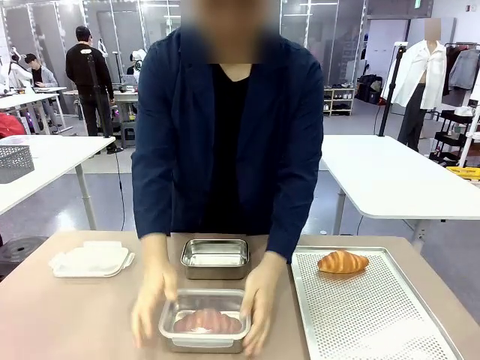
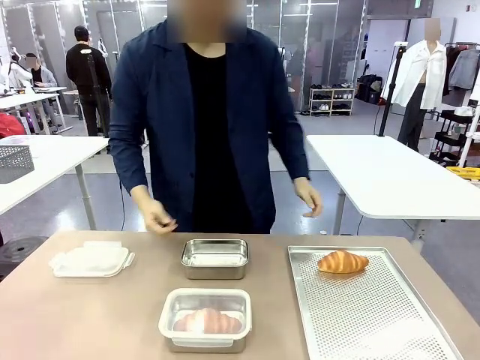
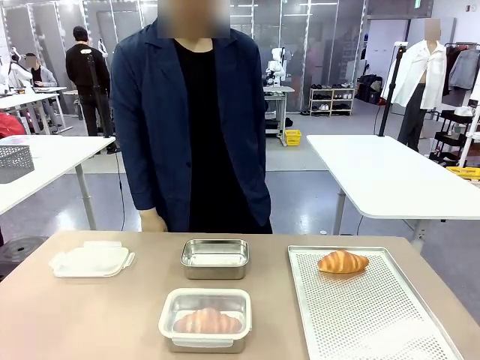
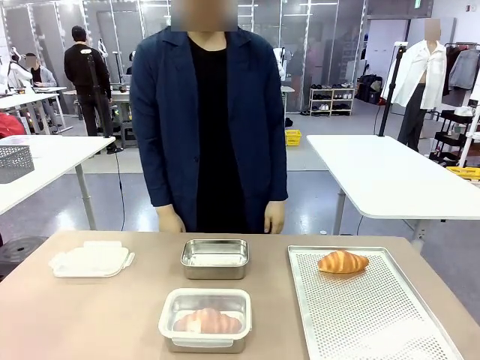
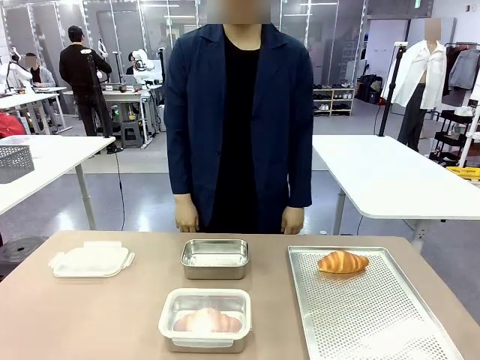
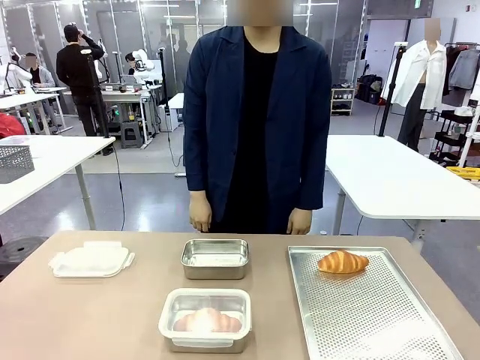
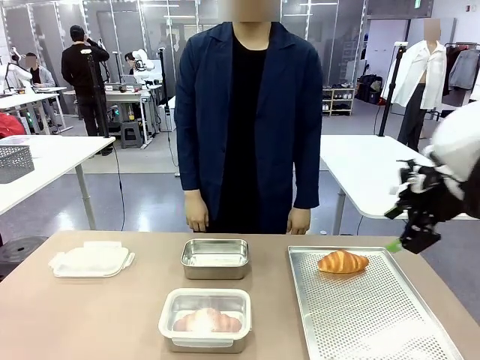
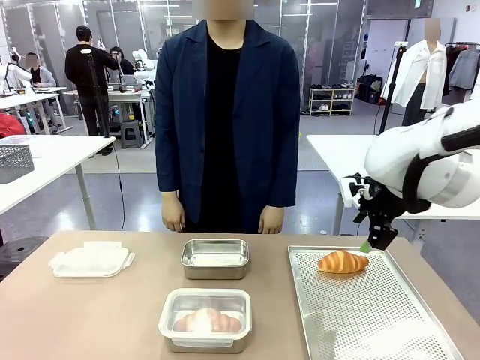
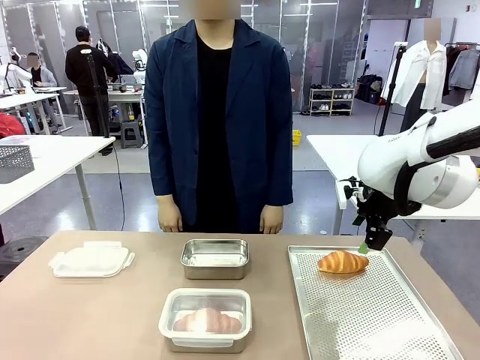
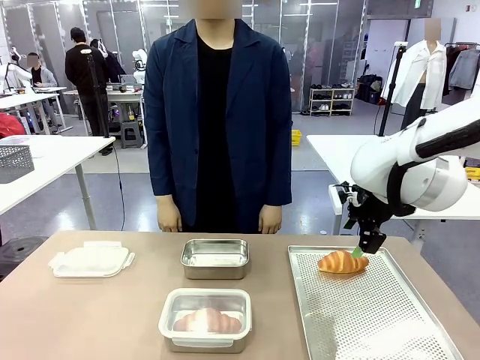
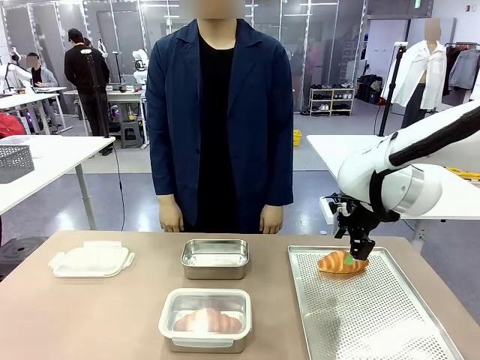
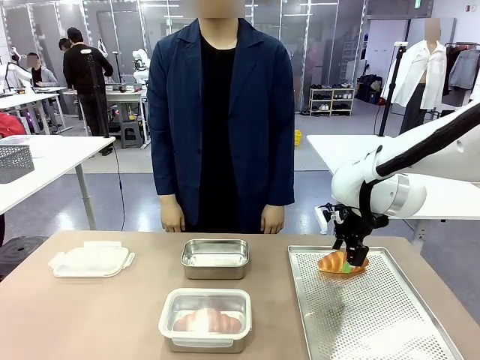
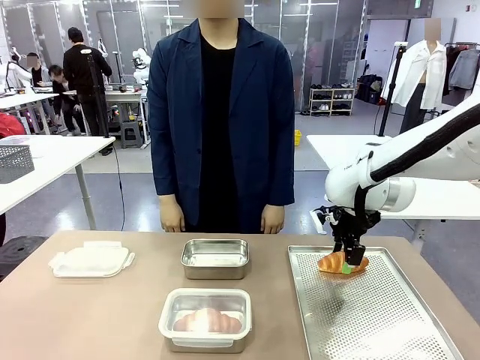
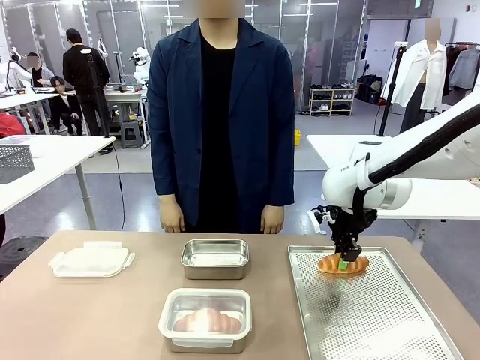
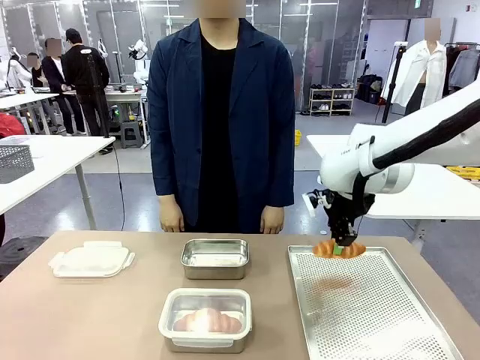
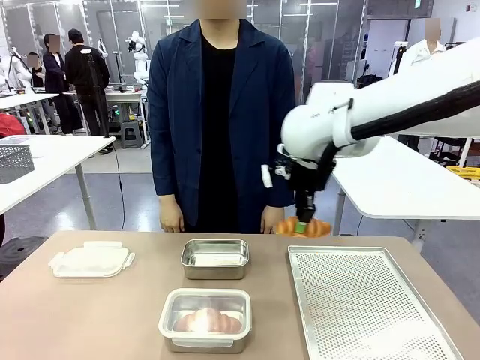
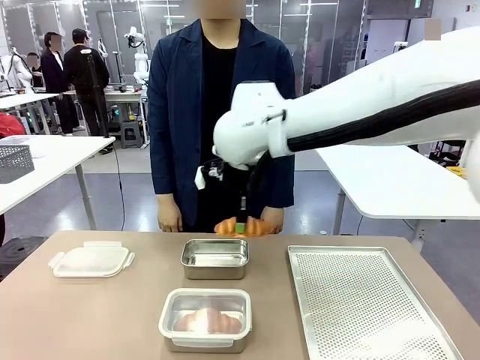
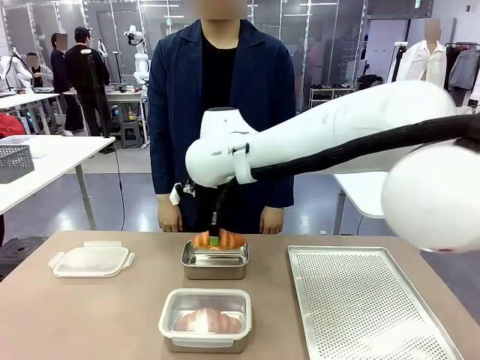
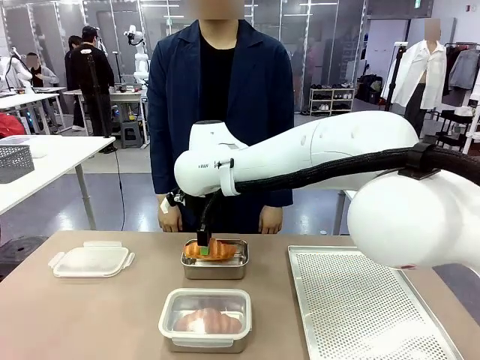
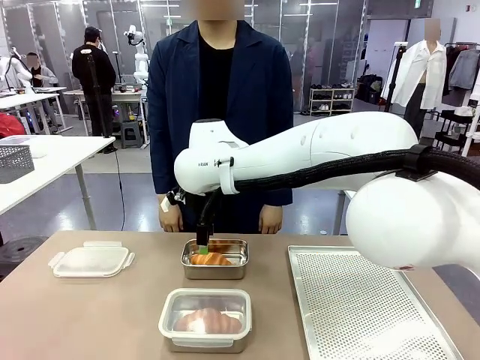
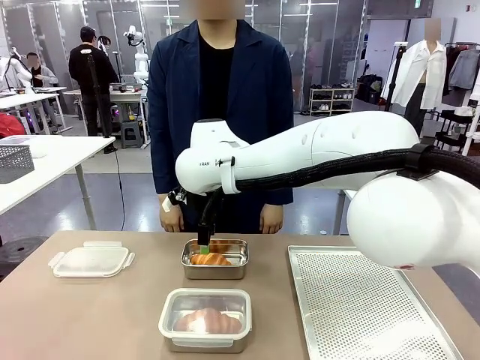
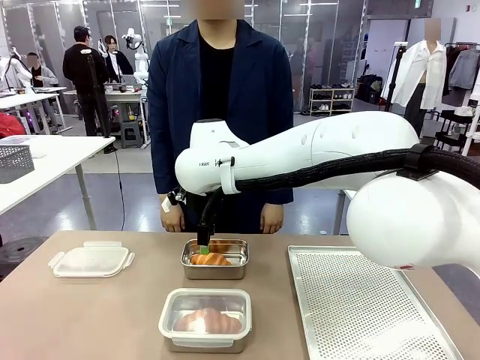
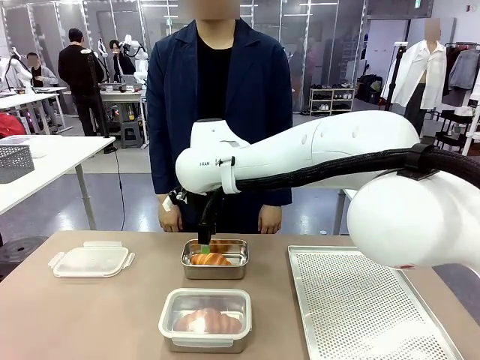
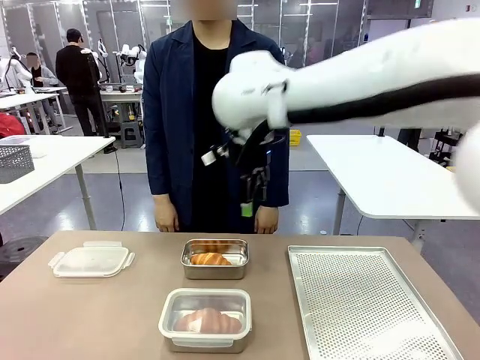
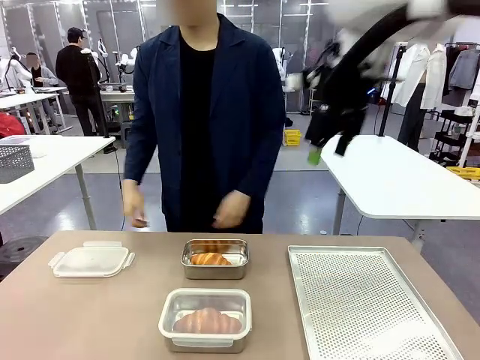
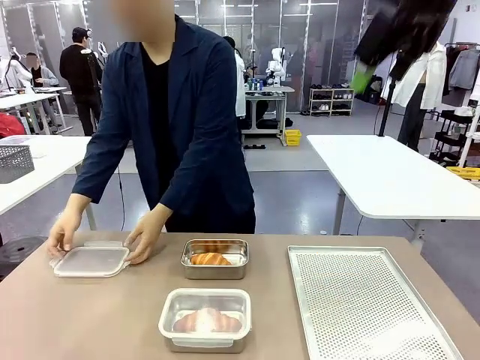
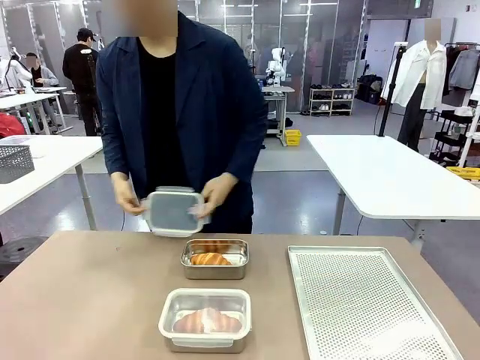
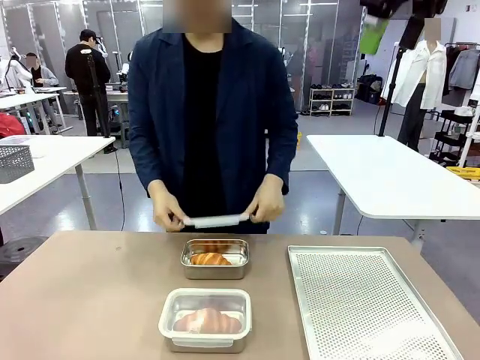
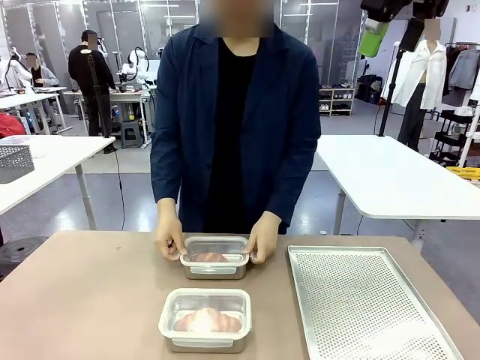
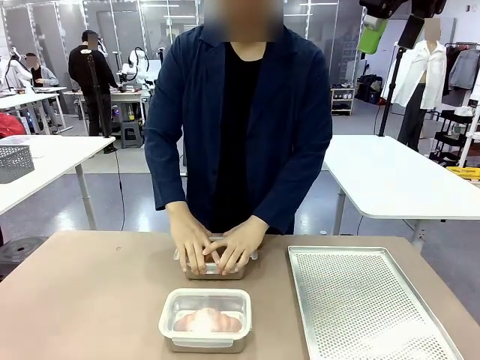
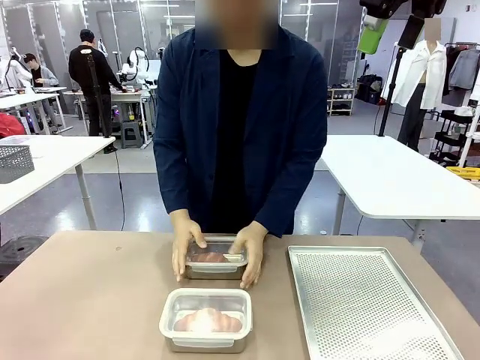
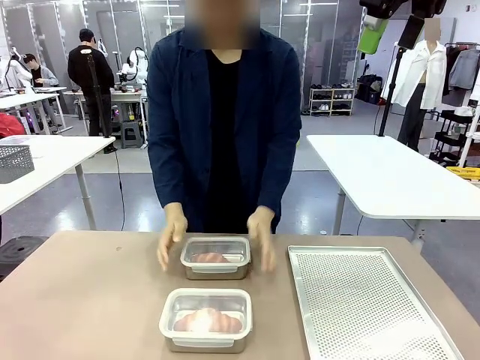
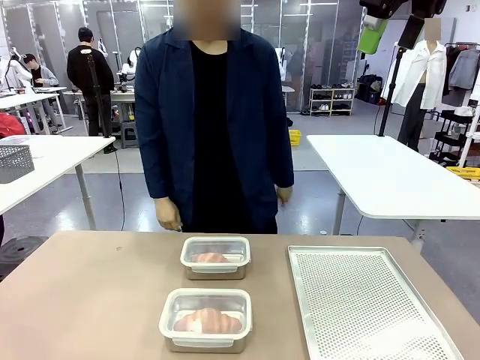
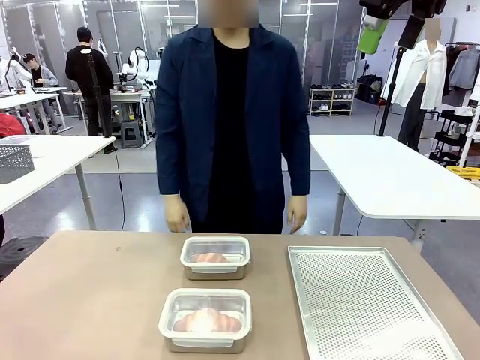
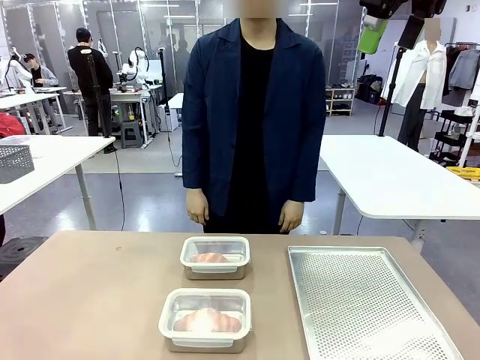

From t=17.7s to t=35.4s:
Task: Place the bread into the airtight container.
Robot: Pick up a Butter Roll and place it into an empty Airtight Container.
